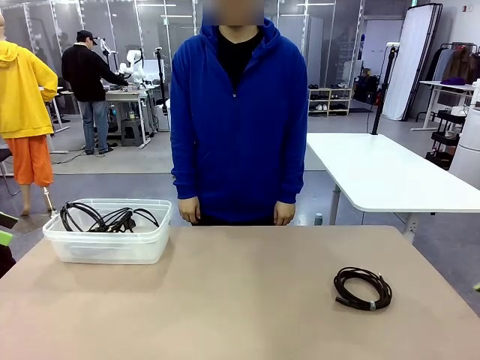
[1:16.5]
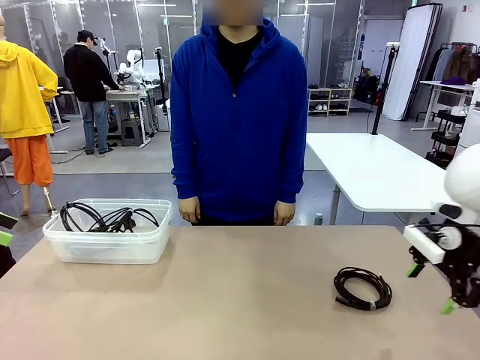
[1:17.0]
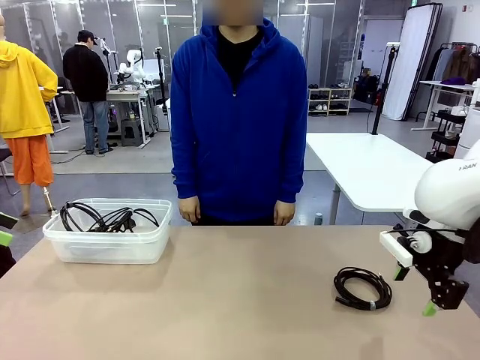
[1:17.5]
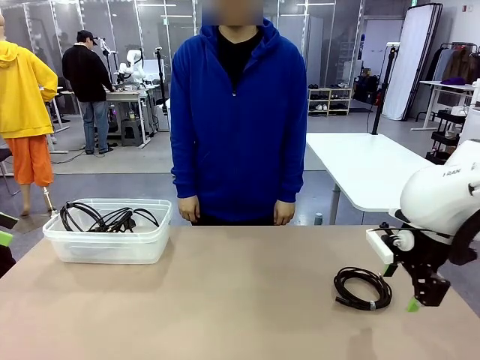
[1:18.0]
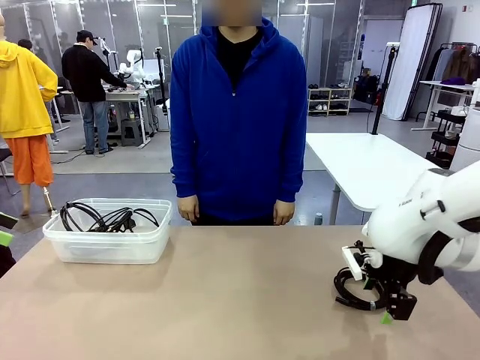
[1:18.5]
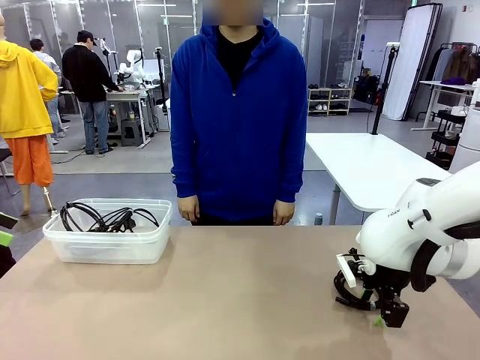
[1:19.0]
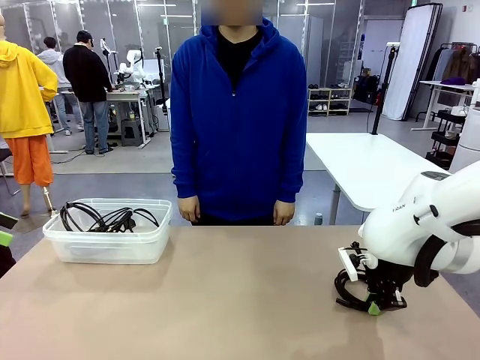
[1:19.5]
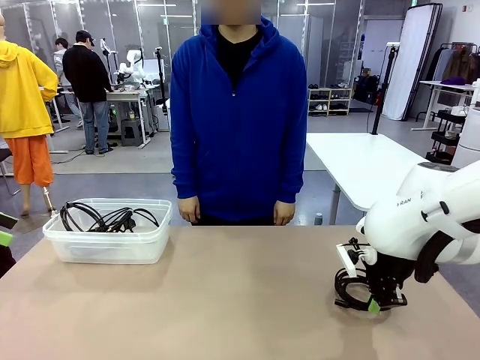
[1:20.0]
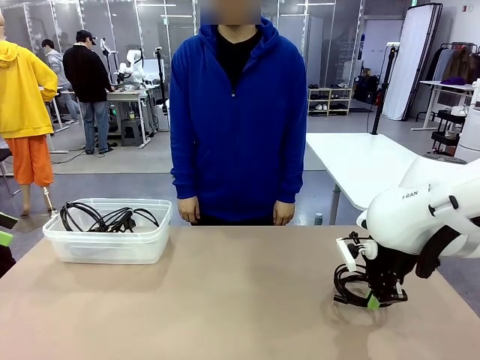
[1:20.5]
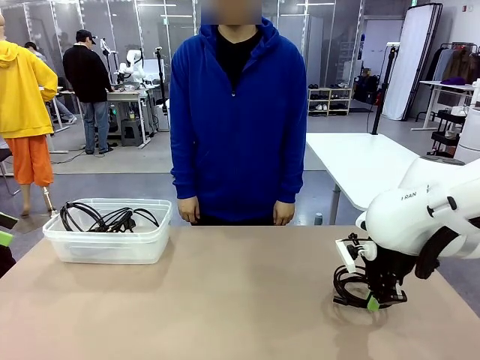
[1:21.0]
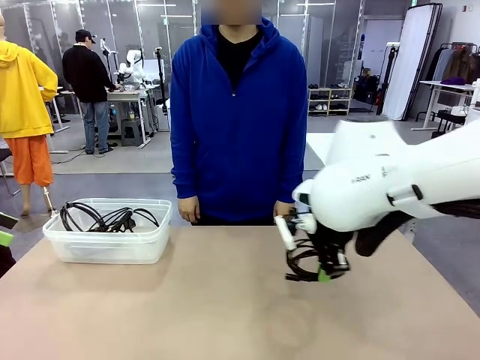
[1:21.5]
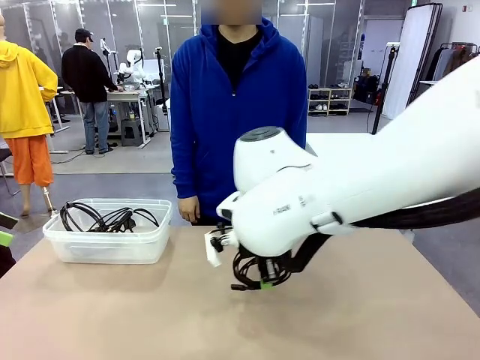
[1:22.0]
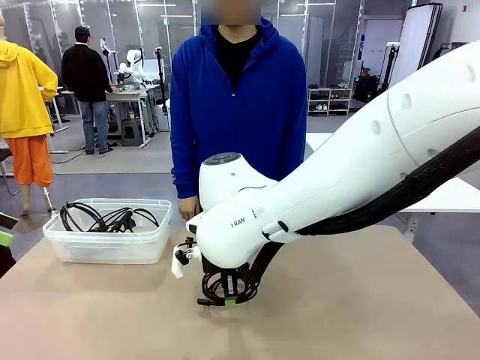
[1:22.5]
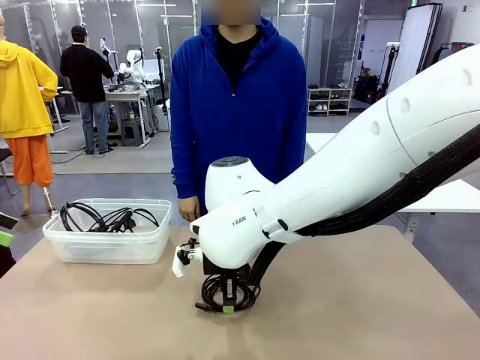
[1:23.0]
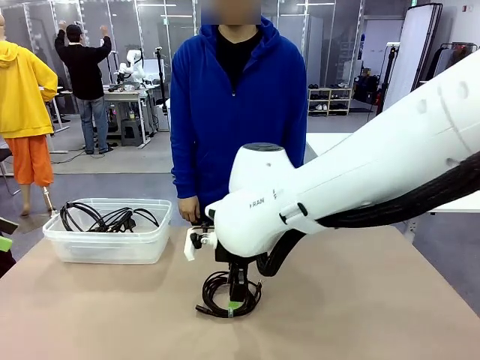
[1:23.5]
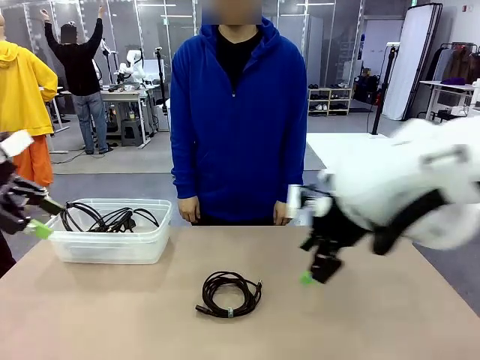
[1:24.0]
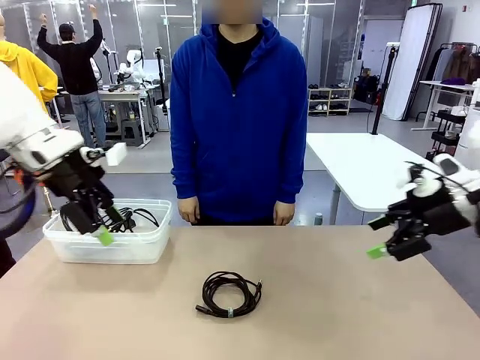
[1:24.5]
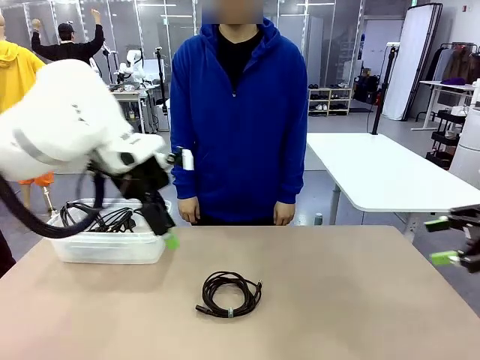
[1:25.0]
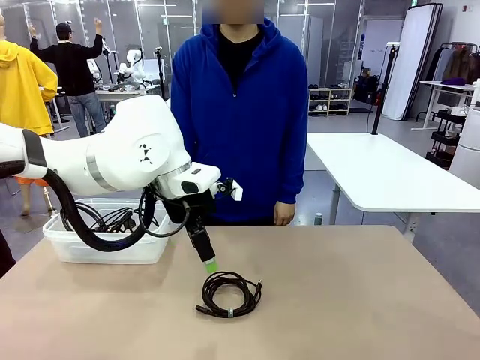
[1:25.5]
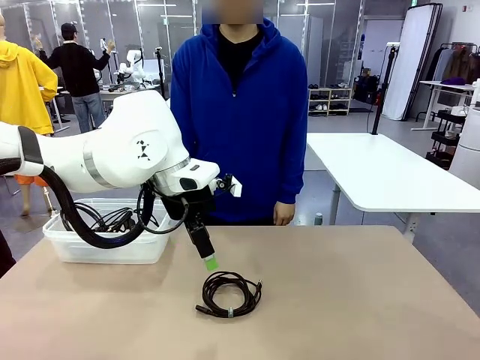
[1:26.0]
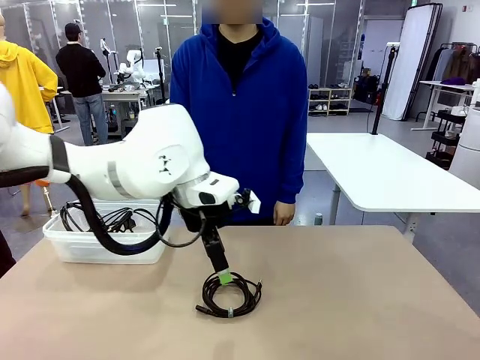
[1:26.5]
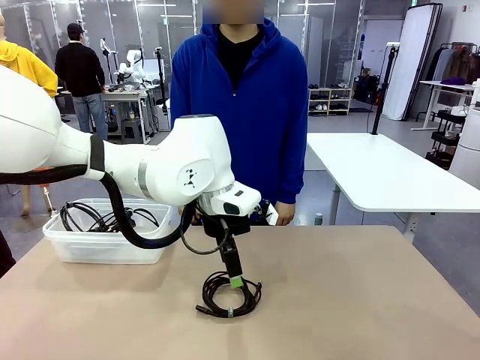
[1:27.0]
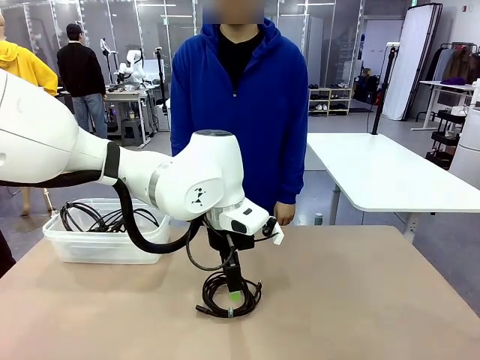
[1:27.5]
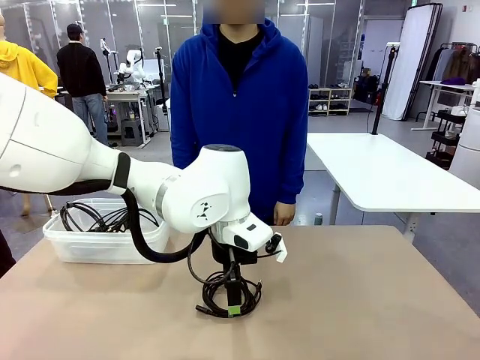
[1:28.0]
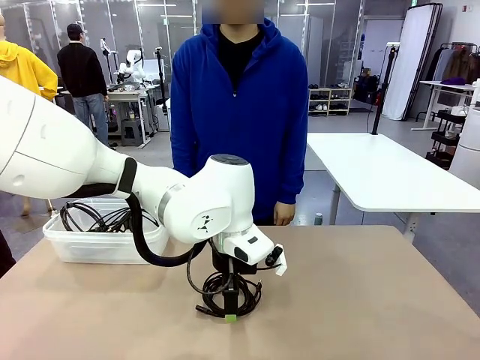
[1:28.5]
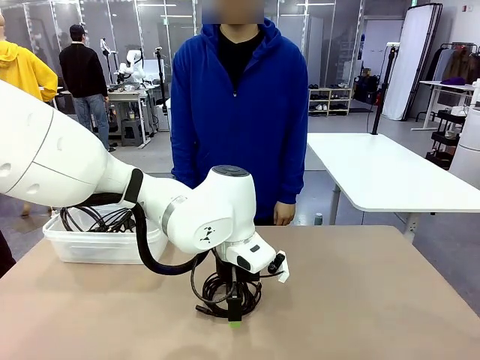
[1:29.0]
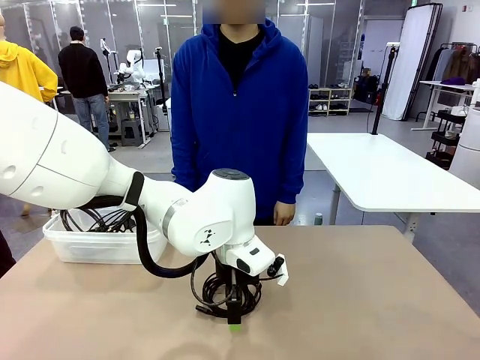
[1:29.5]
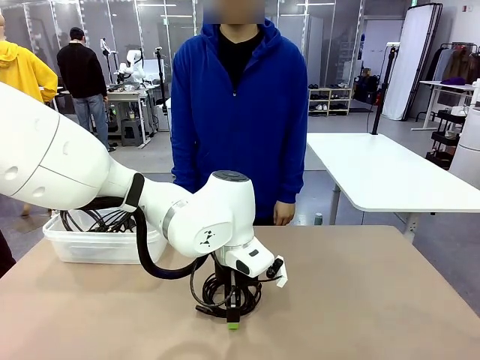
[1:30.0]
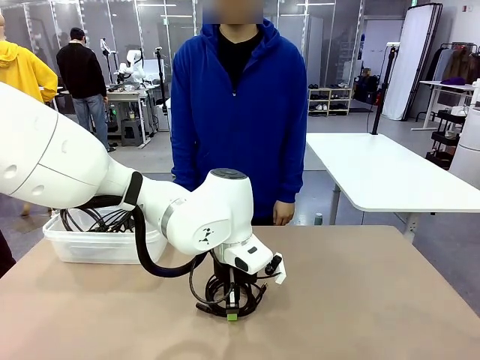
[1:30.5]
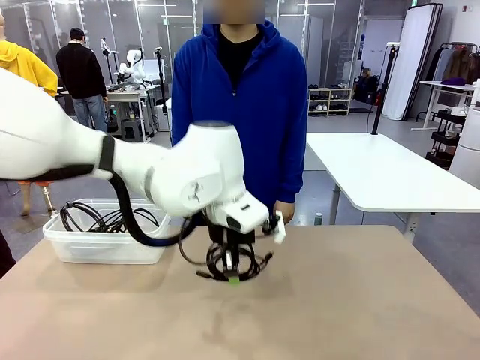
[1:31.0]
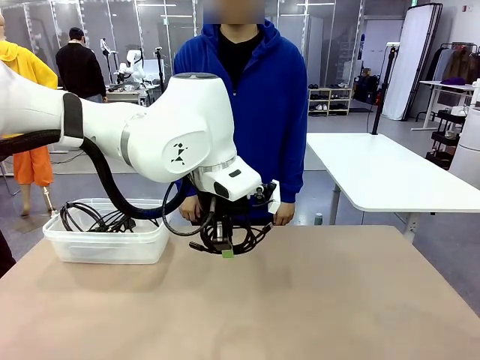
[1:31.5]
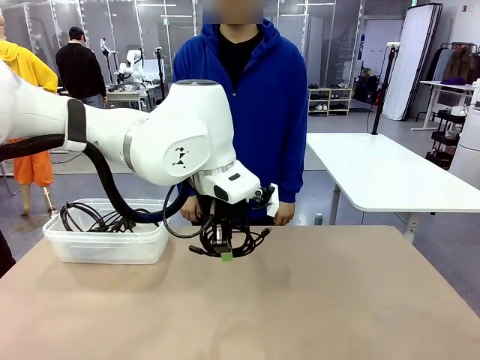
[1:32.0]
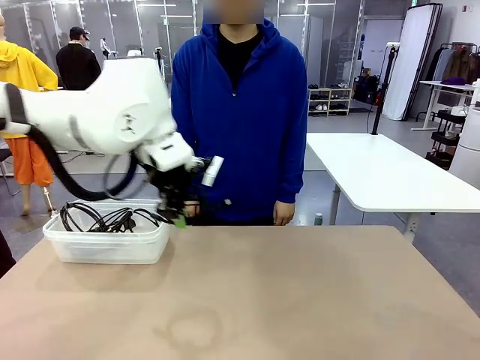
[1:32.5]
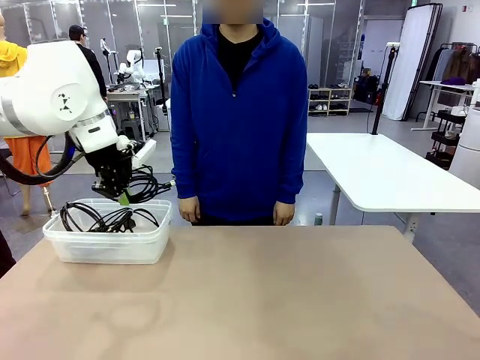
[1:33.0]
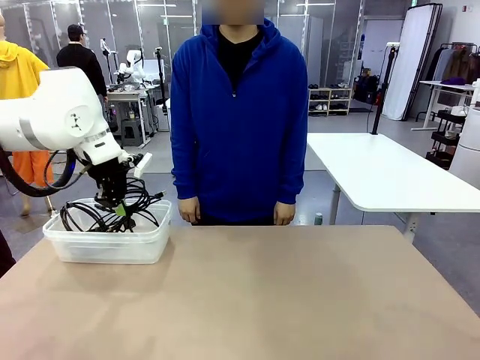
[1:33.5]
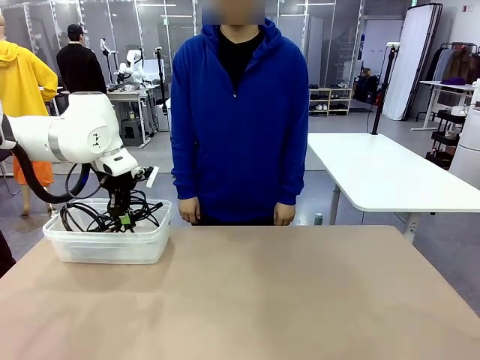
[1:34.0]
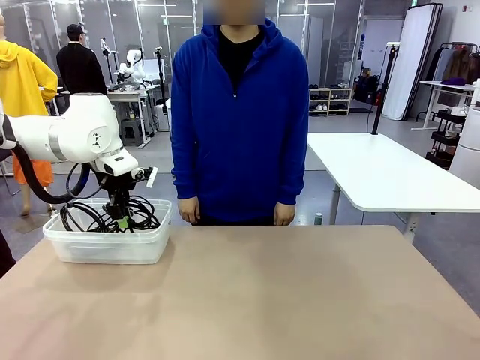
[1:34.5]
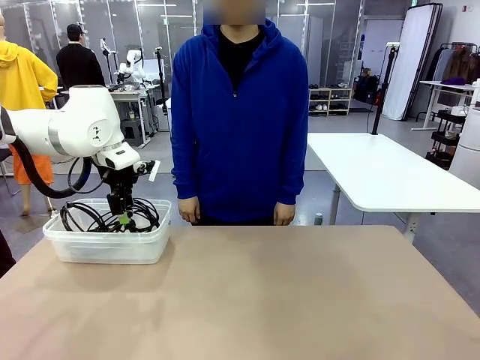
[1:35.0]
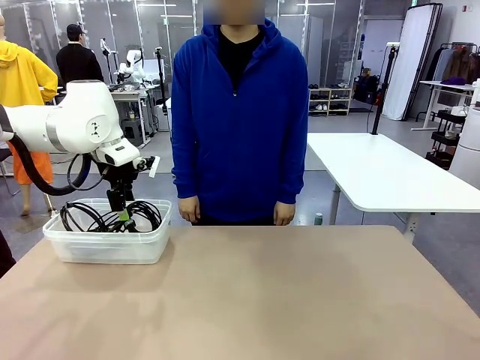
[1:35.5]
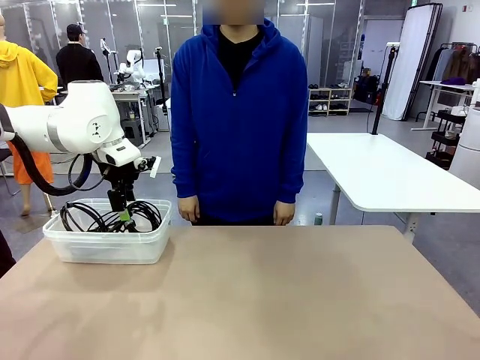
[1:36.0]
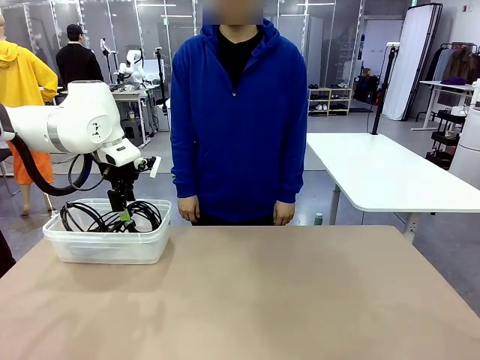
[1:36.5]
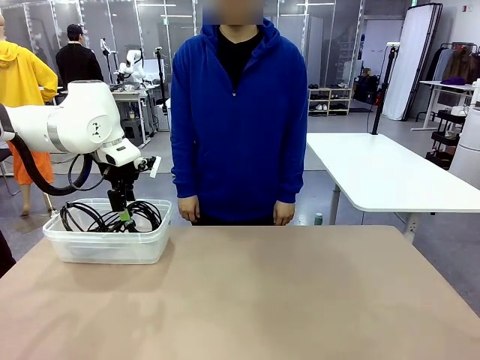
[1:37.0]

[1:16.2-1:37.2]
Task: Organize and store the cables.
Robot: Place the USB Extension Cable into the Organizing box.
